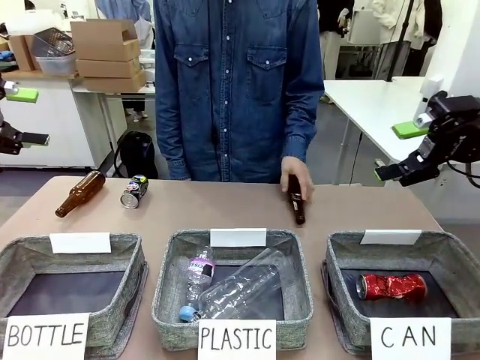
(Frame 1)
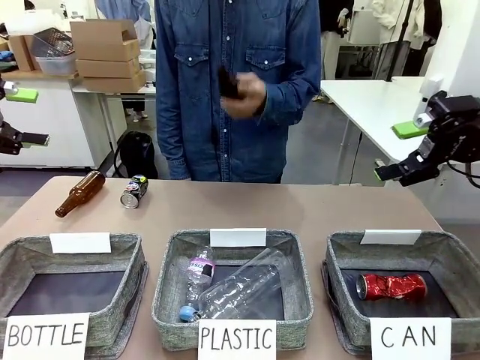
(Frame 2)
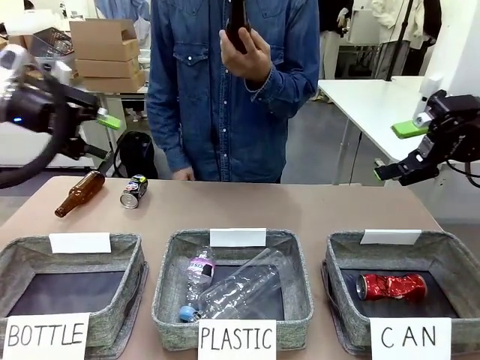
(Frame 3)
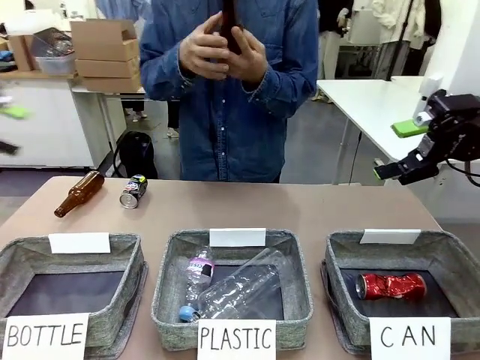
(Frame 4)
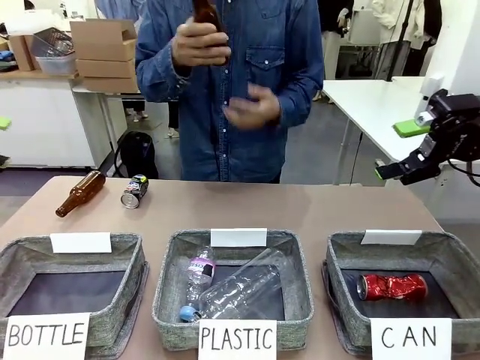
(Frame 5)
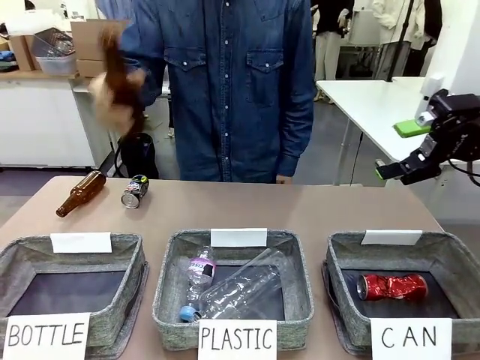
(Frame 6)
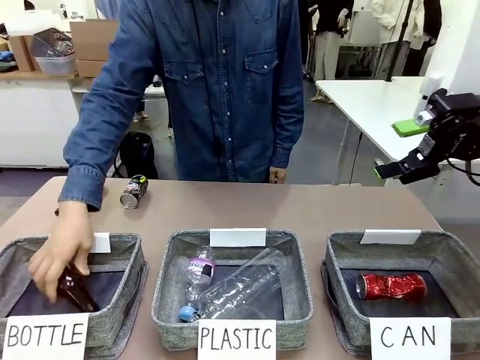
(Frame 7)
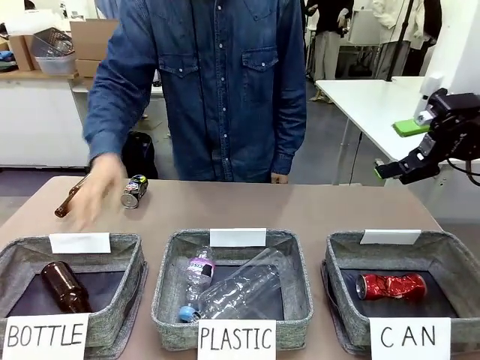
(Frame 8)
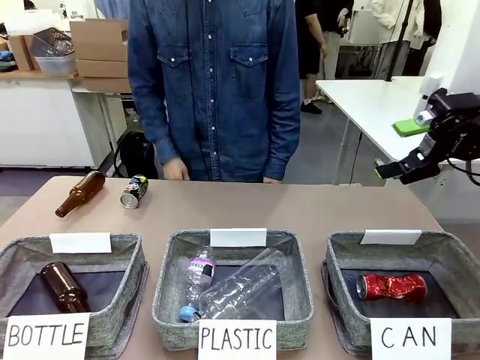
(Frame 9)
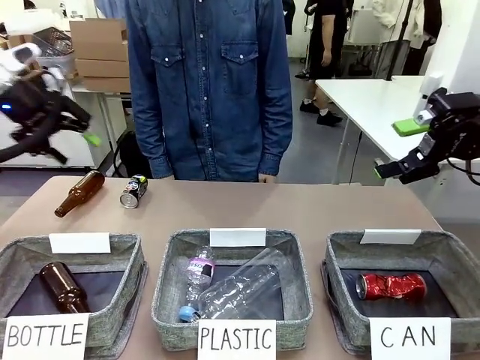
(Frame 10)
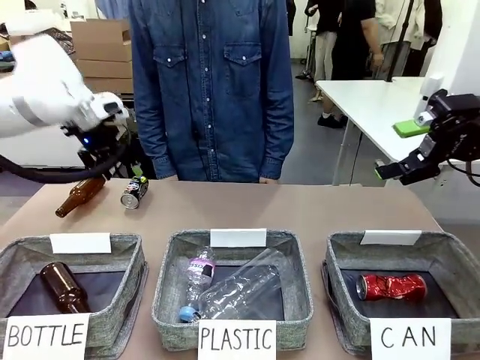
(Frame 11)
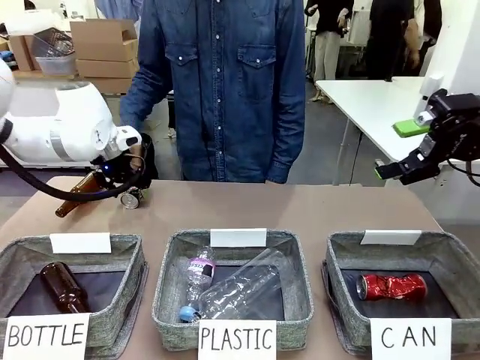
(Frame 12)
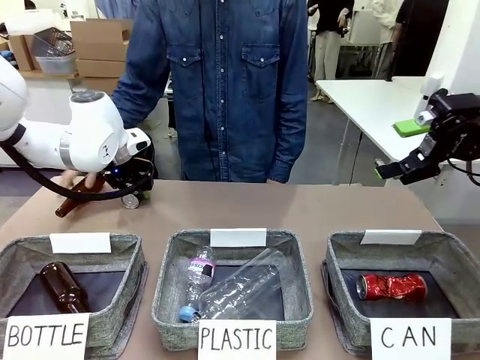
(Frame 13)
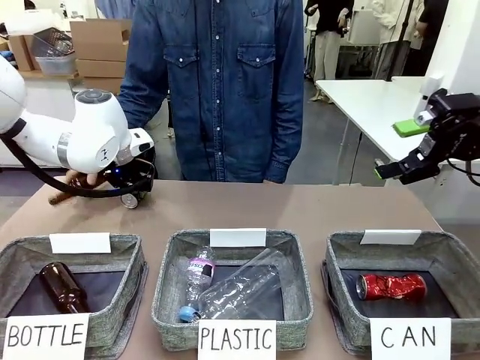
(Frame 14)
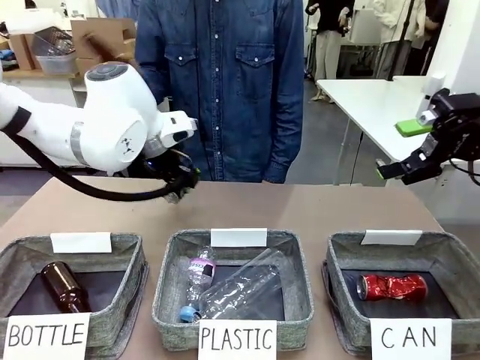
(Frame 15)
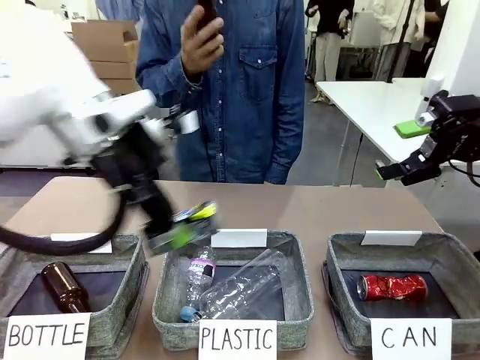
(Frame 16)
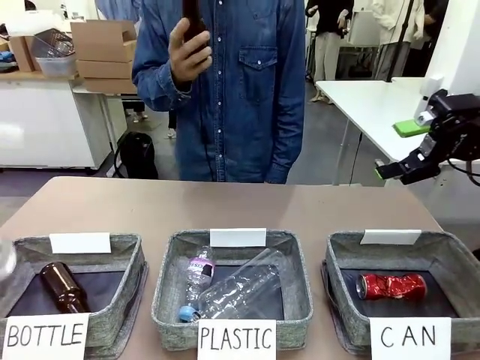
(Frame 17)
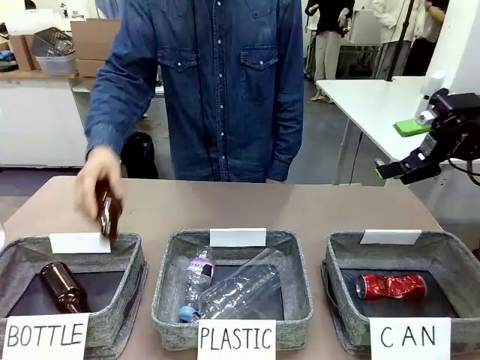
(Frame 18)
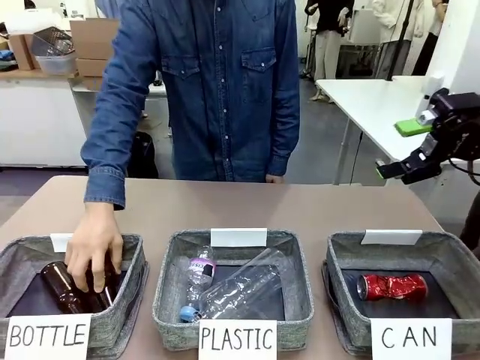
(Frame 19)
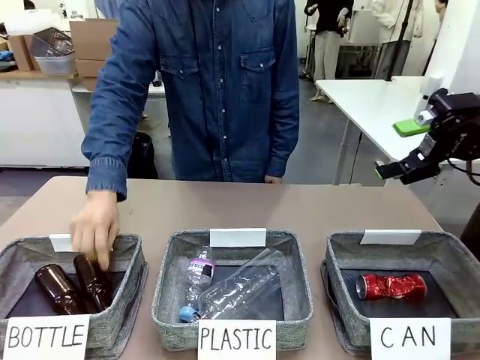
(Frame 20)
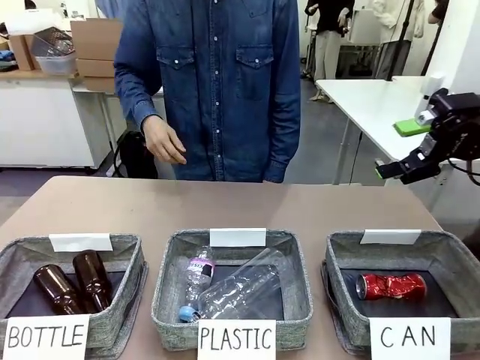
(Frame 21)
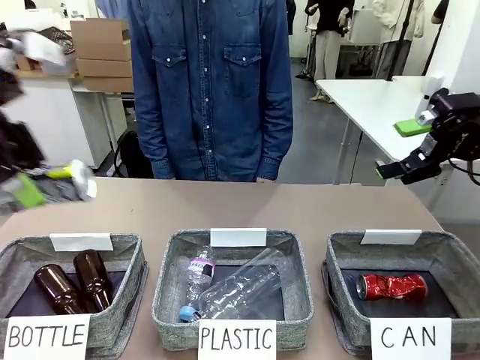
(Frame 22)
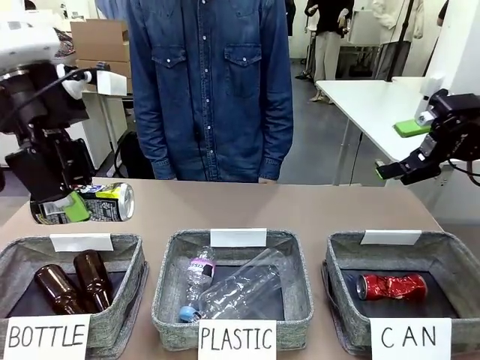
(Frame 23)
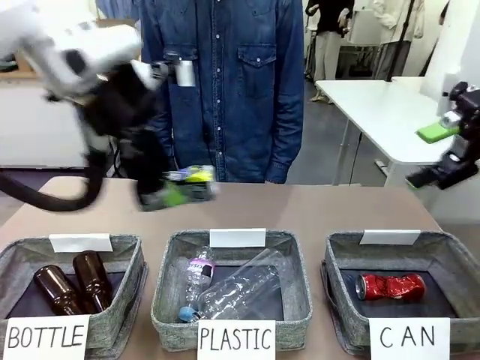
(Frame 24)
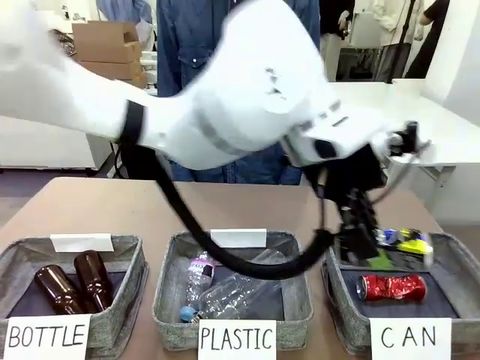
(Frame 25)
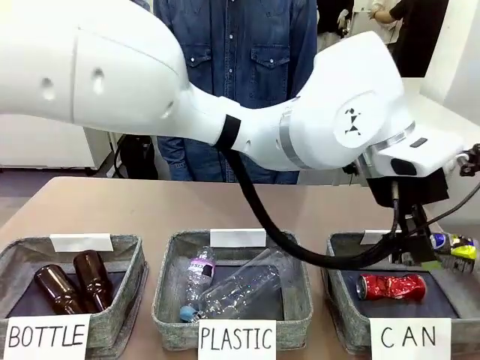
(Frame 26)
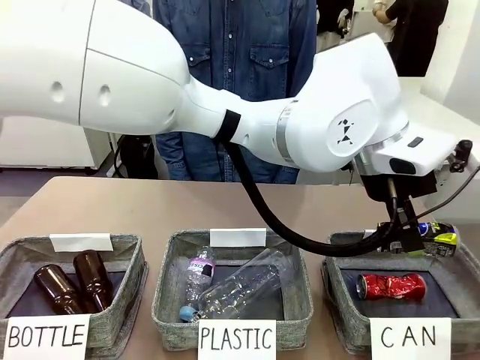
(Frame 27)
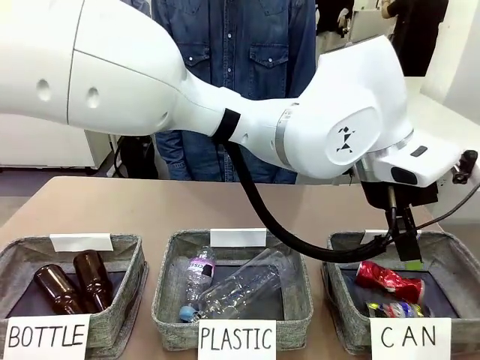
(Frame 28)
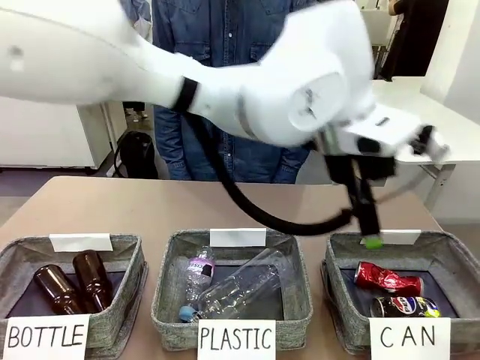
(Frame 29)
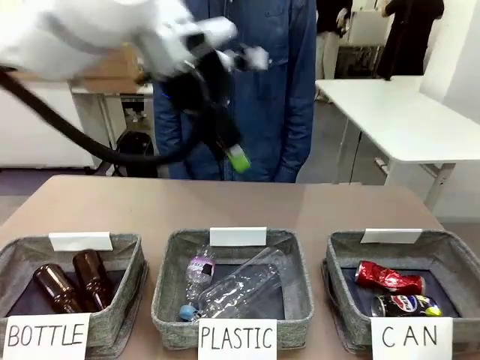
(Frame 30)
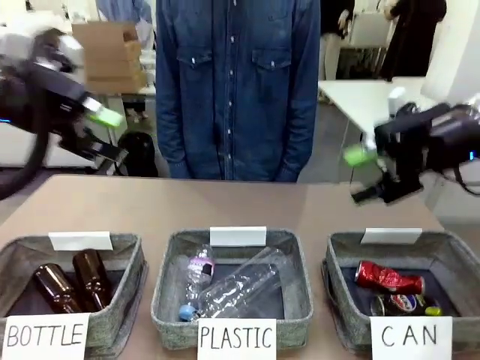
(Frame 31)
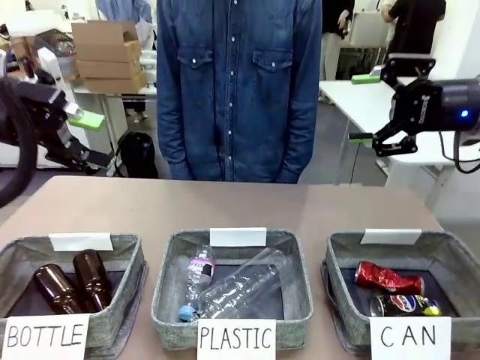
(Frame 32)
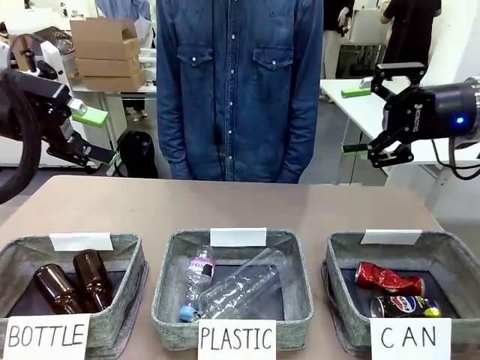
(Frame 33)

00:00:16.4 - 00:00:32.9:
Task: Sort the can waste into the basket.
Robot: Pick up the can waste from the table and place it in the right Fabric basket.
Person: The human picks up one piece of trash that is not a can and places the trash into the appropriate organizing basket.
